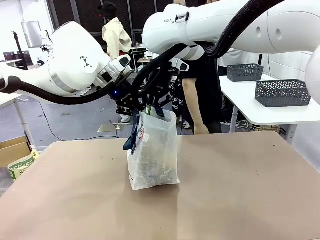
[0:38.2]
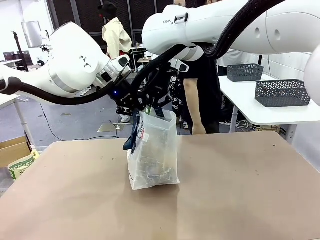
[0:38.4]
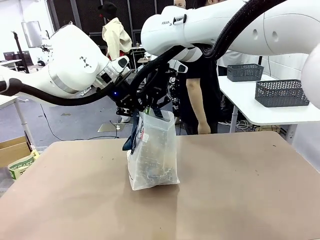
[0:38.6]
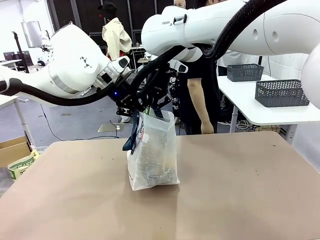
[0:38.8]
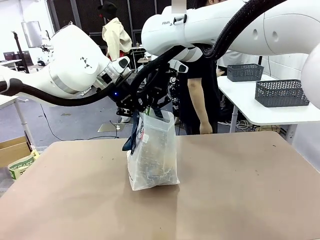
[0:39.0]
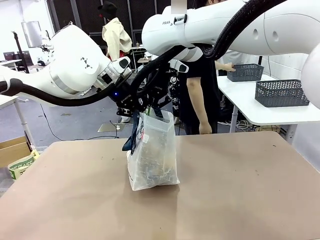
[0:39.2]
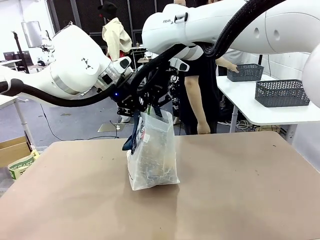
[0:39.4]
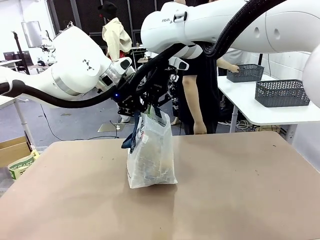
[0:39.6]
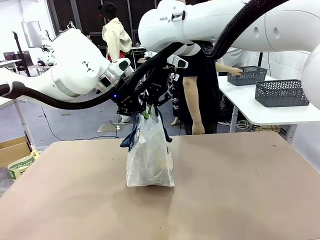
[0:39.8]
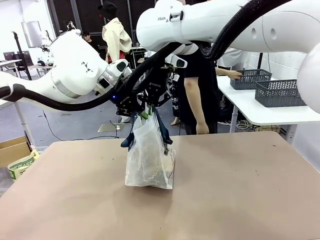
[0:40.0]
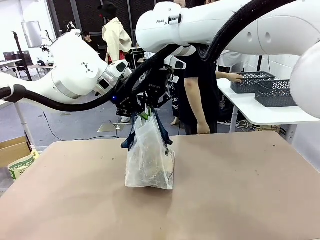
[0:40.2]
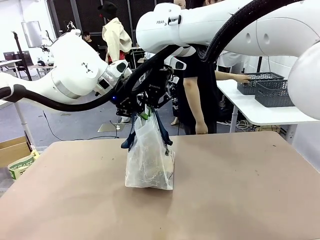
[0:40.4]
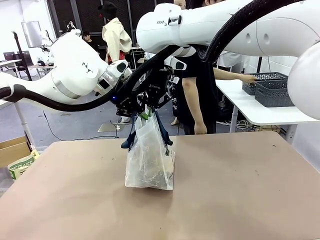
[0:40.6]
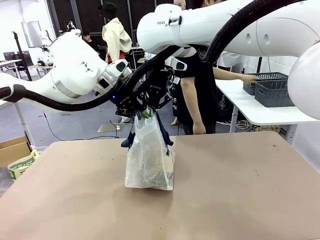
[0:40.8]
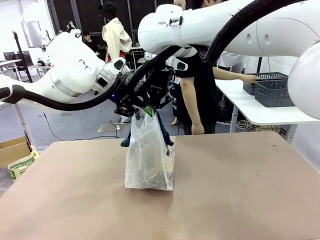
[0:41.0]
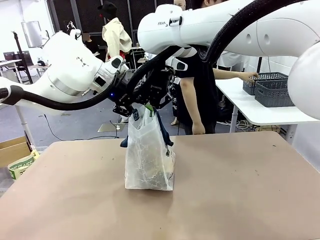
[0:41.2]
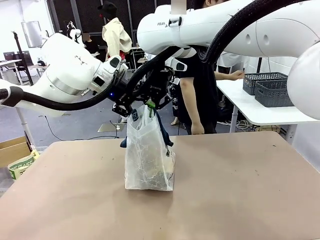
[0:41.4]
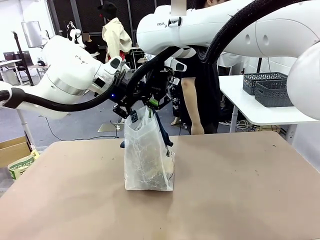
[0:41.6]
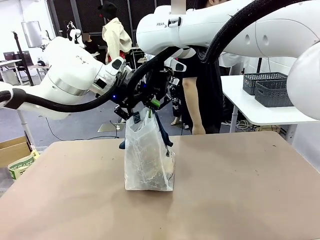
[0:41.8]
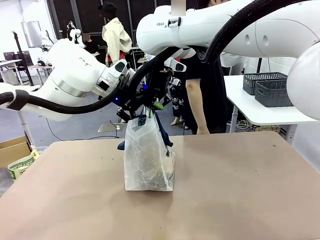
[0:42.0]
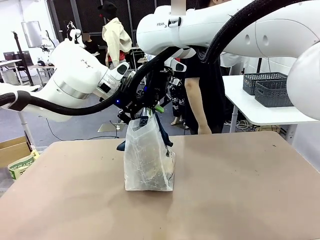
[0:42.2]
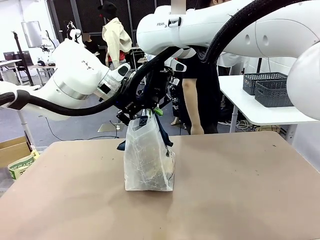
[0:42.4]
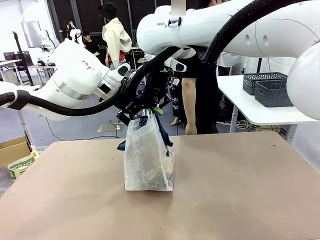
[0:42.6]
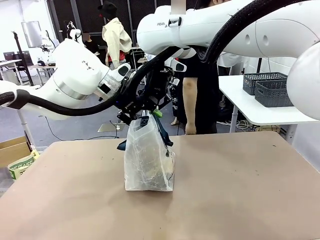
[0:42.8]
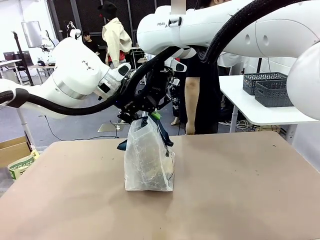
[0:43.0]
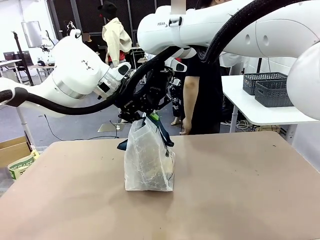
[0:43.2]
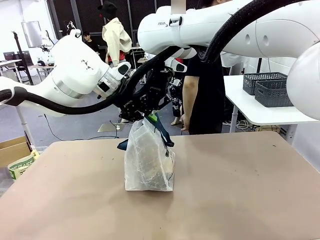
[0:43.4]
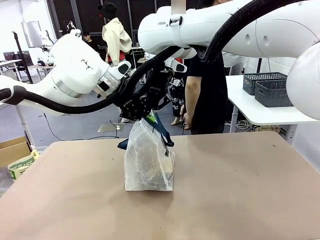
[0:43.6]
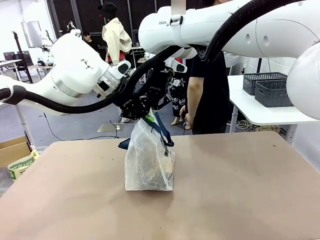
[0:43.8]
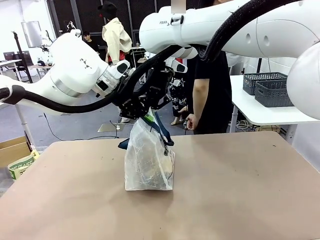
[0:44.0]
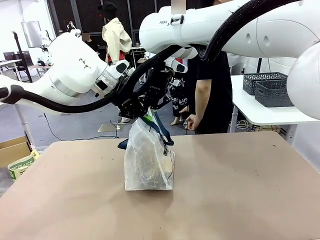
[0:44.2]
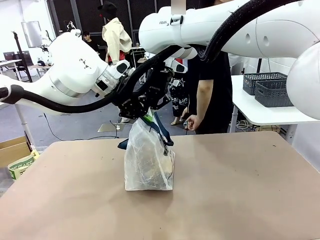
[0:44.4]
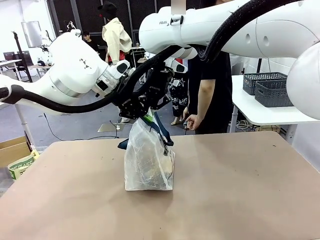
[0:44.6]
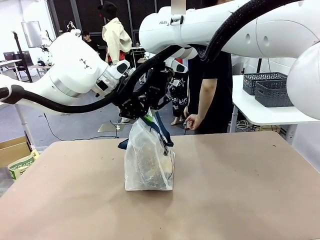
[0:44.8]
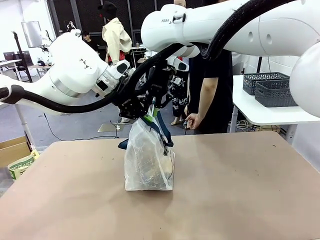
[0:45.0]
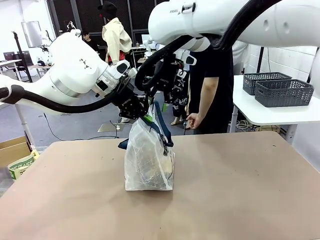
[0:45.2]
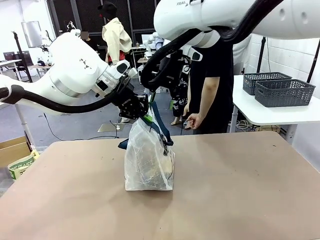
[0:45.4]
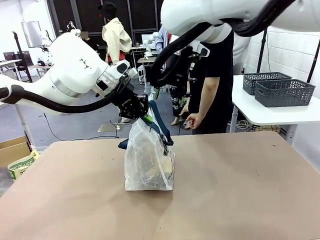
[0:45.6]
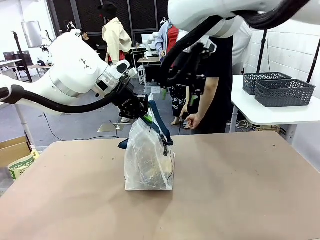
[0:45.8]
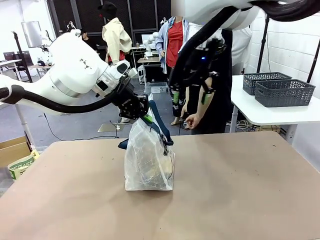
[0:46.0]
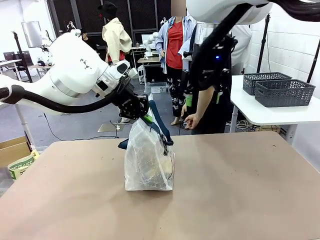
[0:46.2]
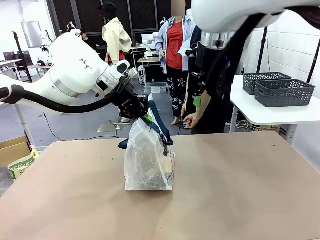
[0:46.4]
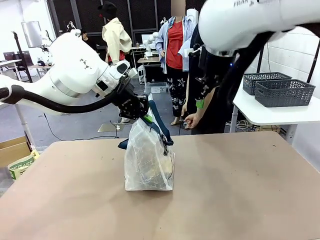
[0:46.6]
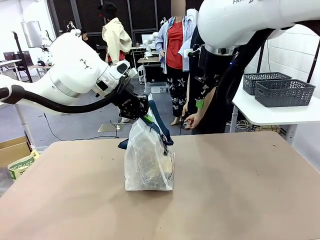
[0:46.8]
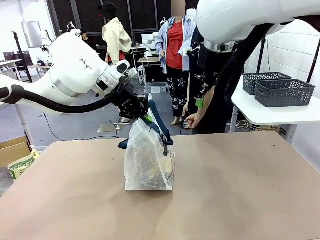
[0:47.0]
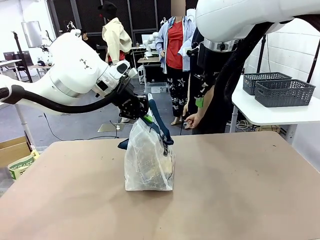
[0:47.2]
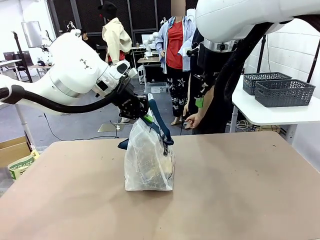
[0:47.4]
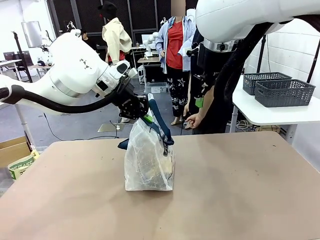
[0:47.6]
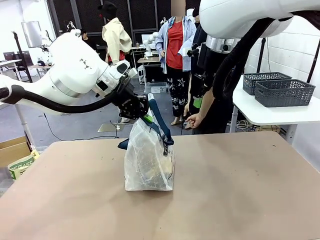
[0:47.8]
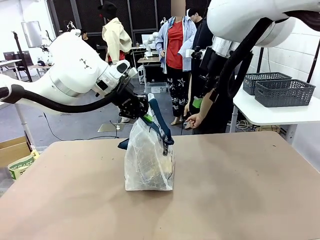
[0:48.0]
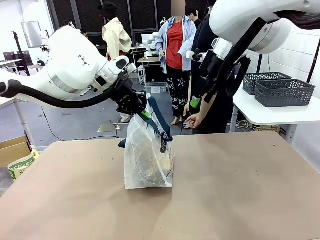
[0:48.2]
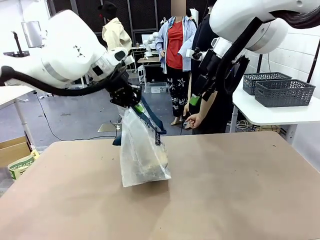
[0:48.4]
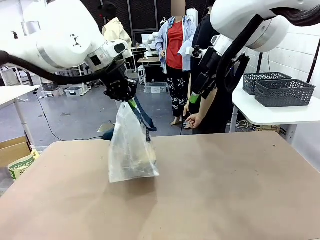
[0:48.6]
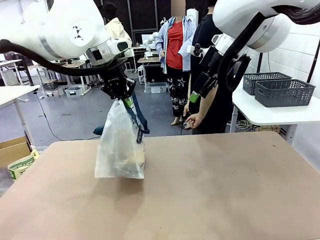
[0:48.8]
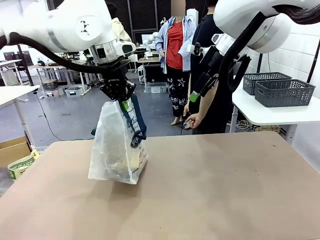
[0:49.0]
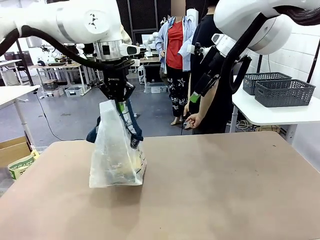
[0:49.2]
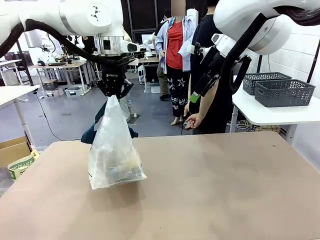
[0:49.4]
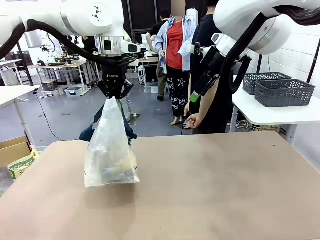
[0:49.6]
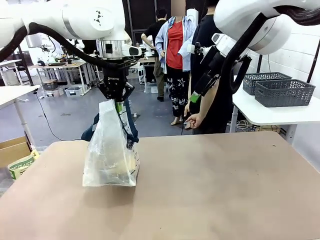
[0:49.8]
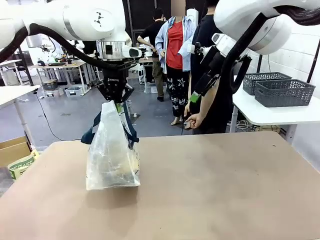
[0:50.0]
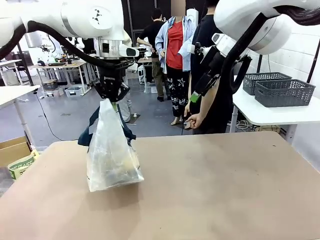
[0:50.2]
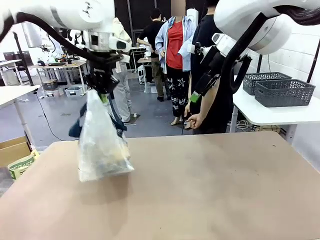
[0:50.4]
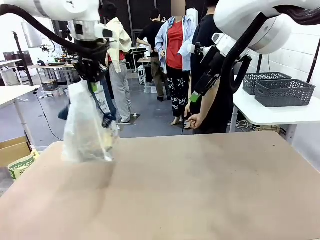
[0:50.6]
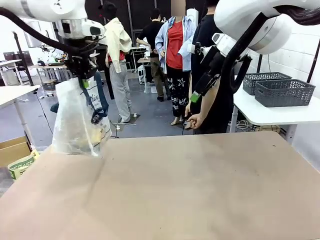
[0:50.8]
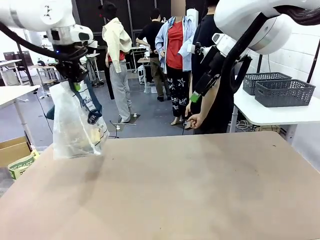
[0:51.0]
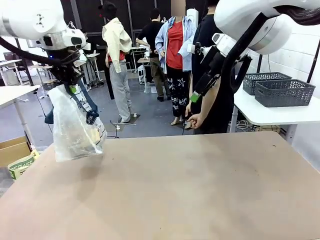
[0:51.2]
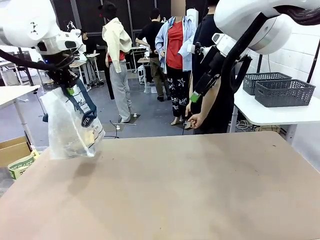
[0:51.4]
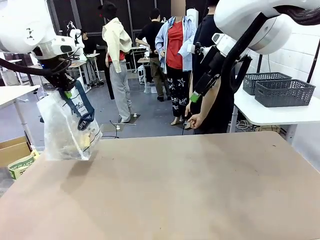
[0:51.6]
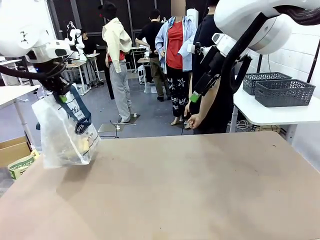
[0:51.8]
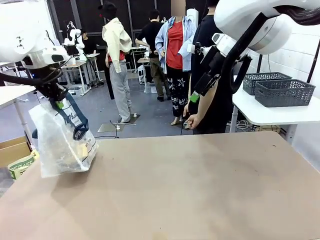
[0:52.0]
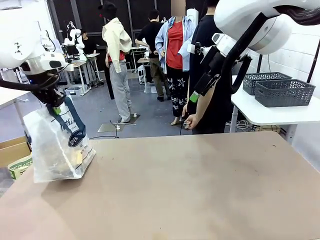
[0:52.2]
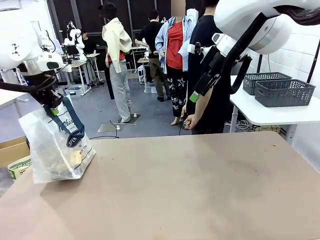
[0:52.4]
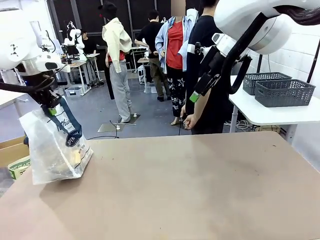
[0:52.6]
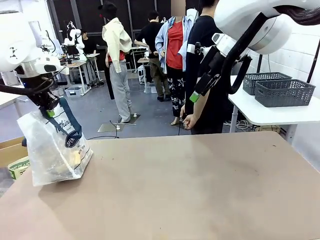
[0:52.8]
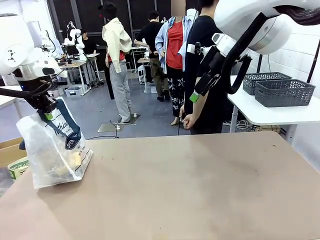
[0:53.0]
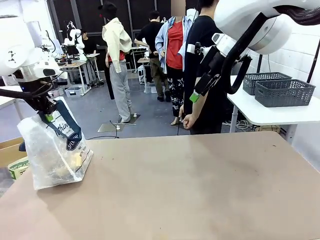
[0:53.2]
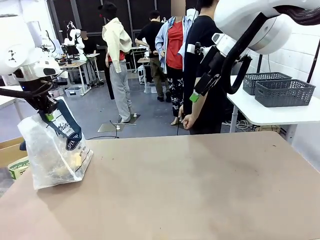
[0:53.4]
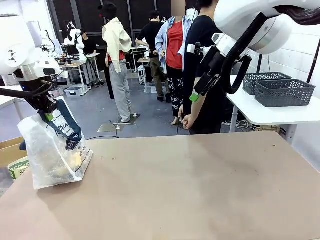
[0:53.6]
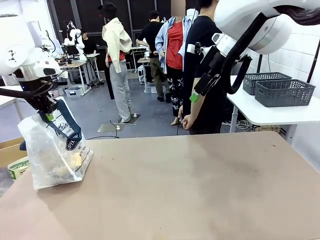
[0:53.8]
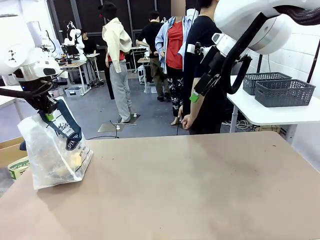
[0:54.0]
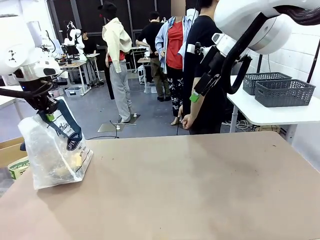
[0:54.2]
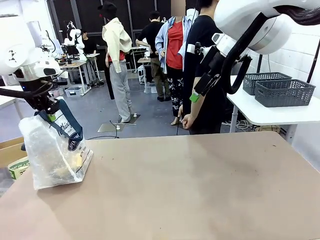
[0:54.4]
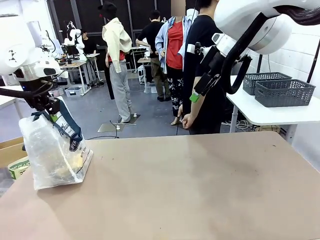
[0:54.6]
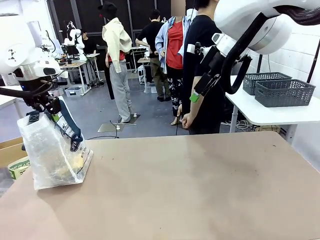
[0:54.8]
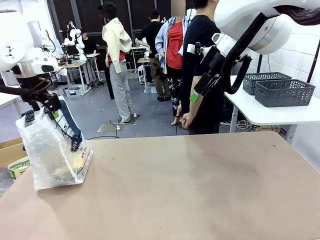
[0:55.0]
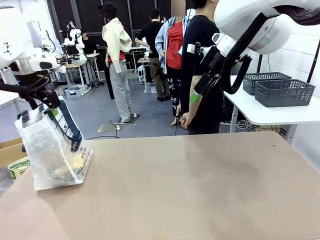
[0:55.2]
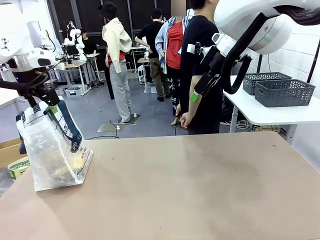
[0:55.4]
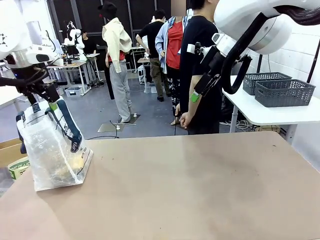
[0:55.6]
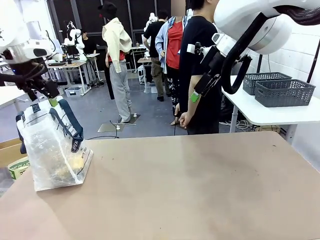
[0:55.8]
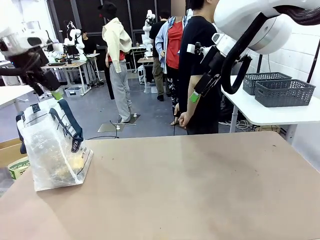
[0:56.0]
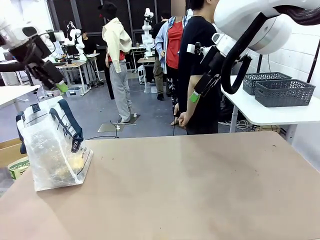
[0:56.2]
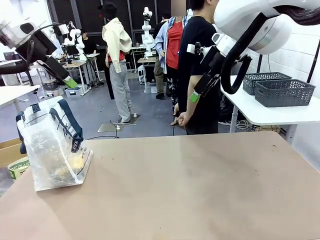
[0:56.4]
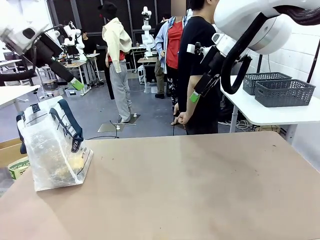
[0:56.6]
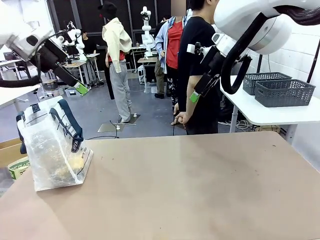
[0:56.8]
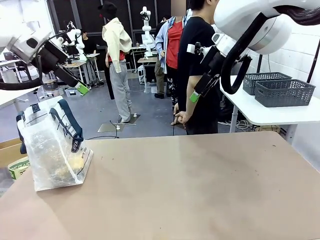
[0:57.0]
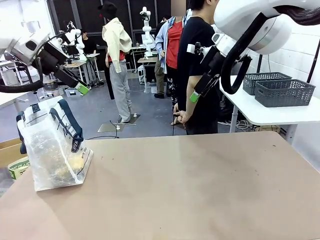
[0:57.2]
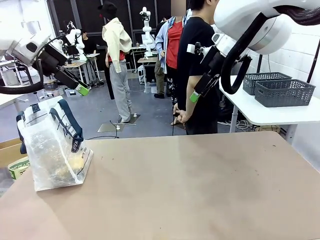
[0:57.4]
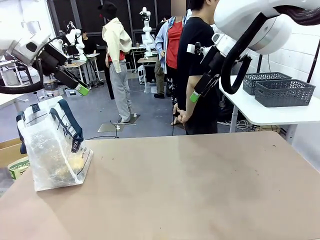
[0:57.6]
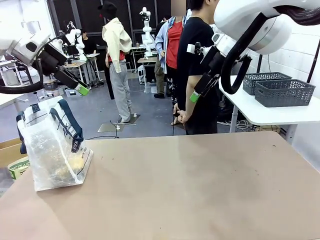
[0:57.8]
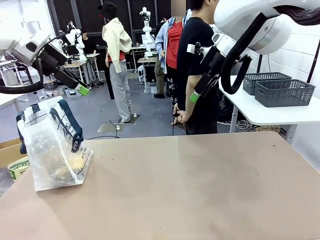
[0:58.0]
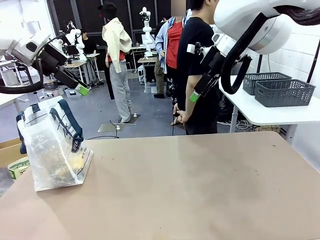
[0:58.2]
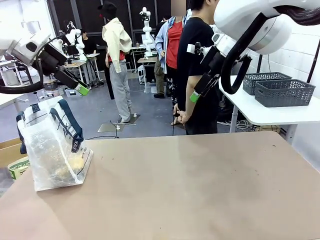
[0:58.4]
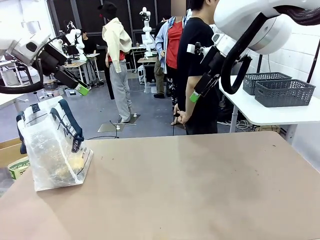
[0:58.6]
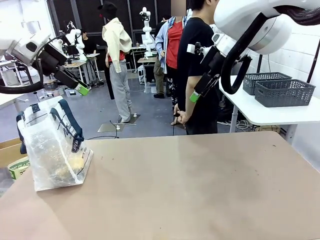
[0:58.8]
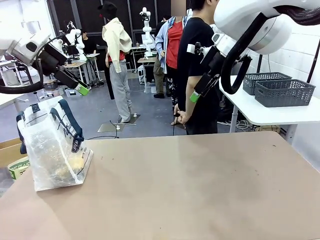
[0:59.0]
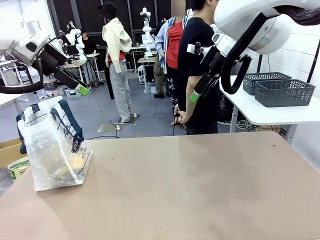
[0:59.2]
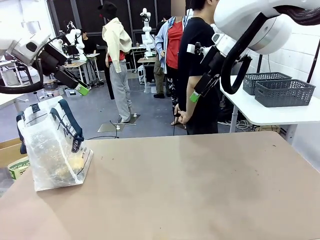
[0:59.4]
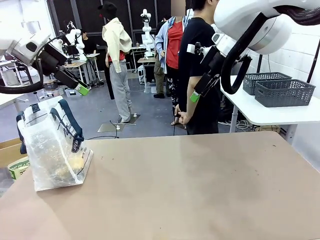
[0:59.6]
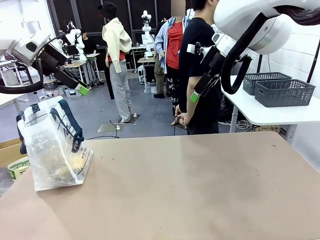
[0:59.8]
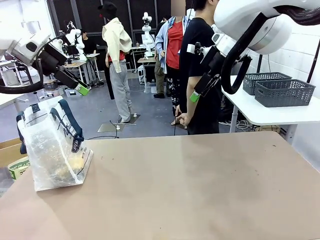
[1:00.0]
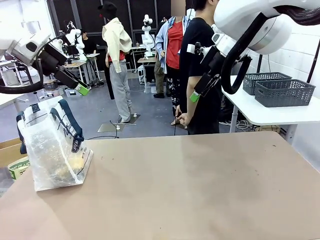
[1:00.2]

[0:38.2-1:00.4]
Task: Transfer purchased items from the store into the shopping bag.
Robot: Move the Reusable shopping bag to the right side of the table.
Person: Move the basket on the left to the middle of the person's table.
